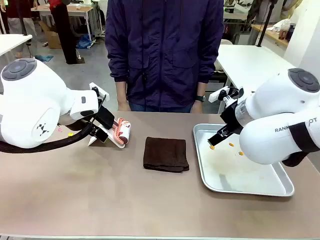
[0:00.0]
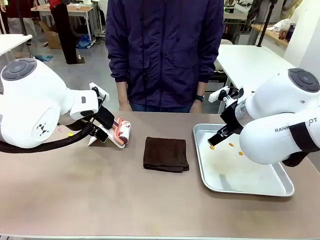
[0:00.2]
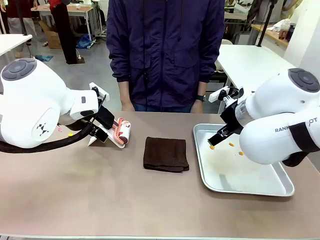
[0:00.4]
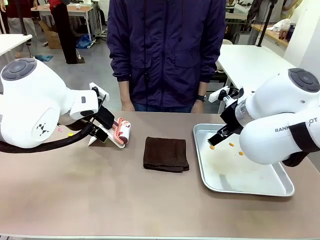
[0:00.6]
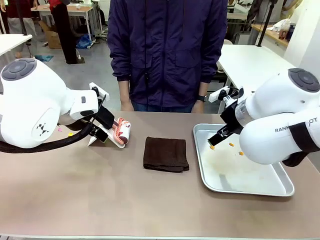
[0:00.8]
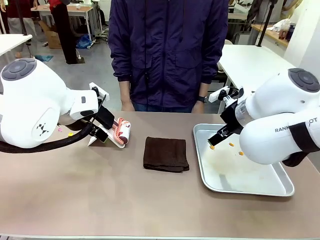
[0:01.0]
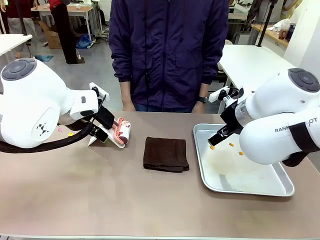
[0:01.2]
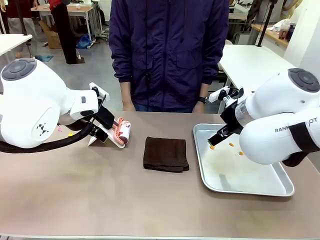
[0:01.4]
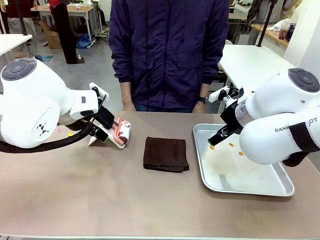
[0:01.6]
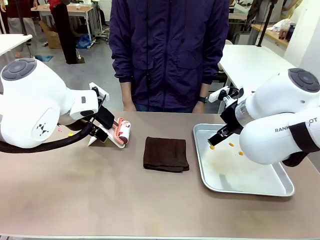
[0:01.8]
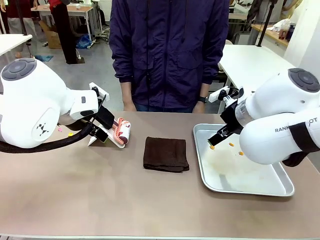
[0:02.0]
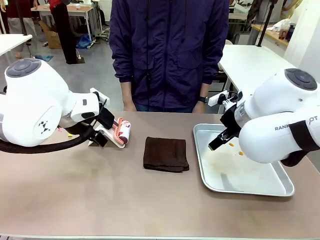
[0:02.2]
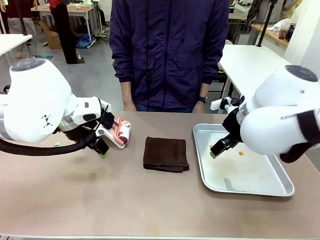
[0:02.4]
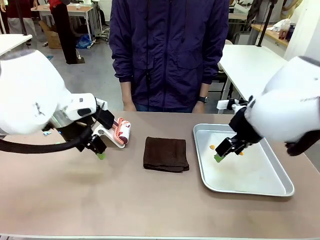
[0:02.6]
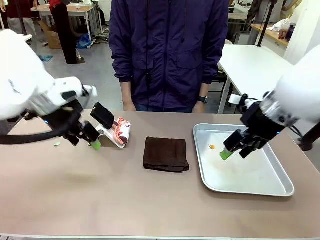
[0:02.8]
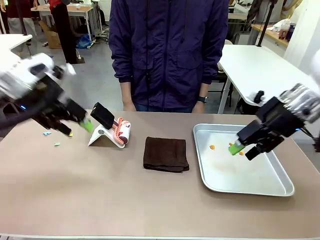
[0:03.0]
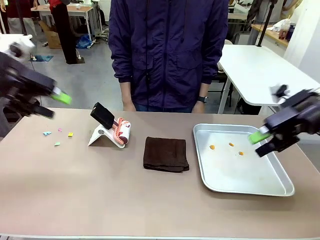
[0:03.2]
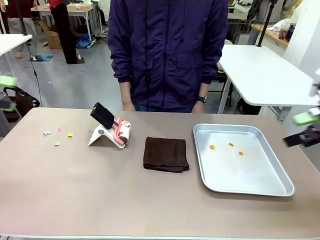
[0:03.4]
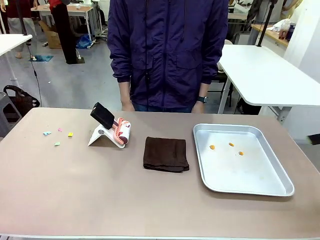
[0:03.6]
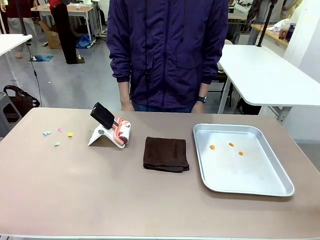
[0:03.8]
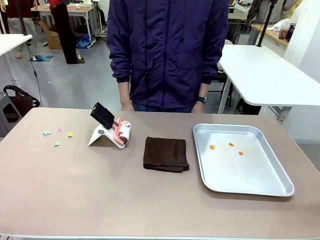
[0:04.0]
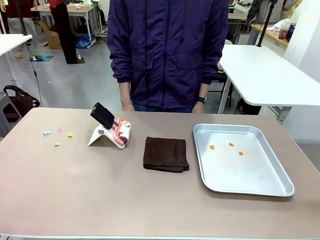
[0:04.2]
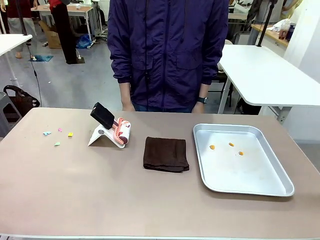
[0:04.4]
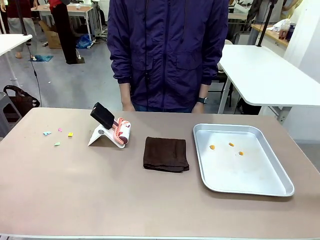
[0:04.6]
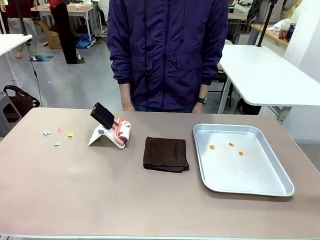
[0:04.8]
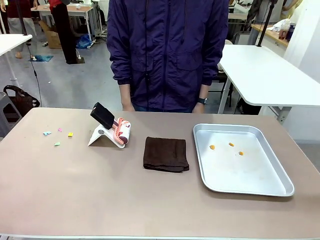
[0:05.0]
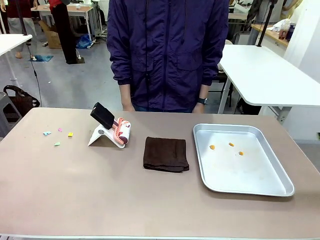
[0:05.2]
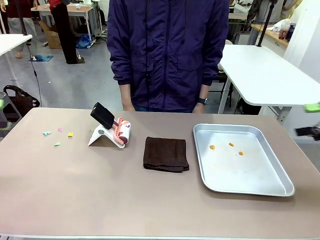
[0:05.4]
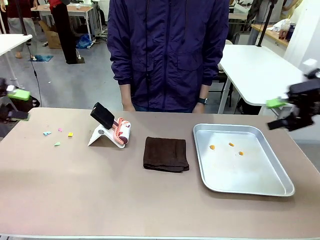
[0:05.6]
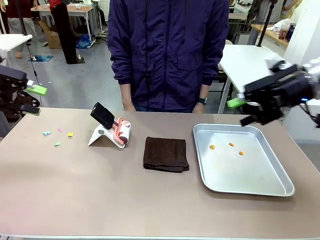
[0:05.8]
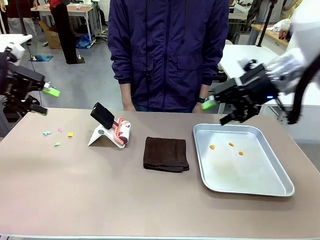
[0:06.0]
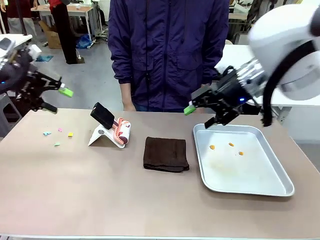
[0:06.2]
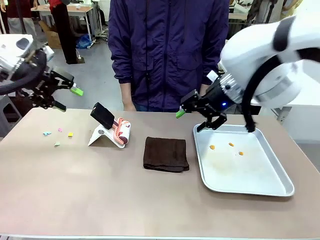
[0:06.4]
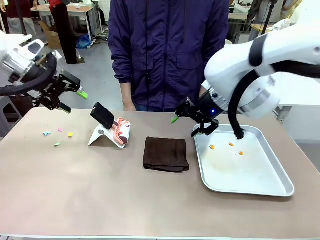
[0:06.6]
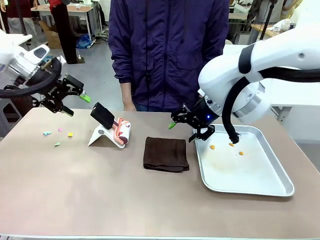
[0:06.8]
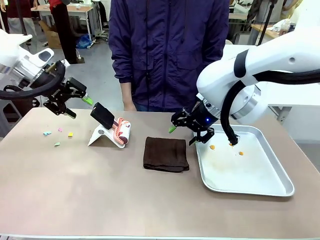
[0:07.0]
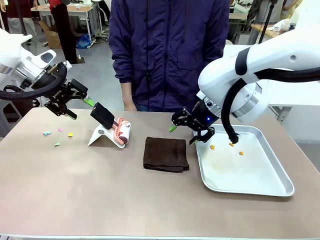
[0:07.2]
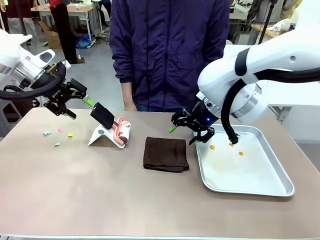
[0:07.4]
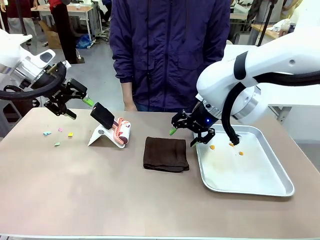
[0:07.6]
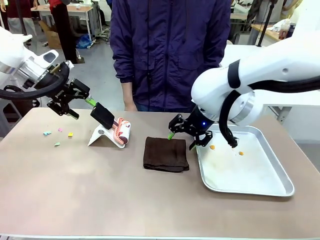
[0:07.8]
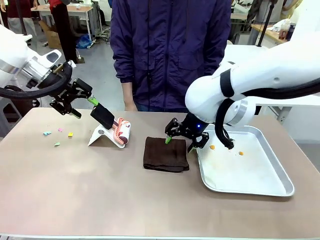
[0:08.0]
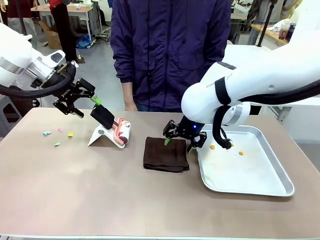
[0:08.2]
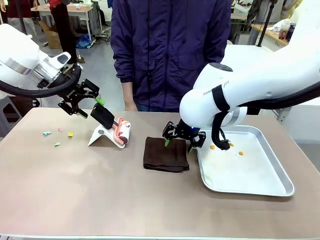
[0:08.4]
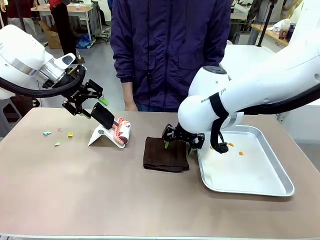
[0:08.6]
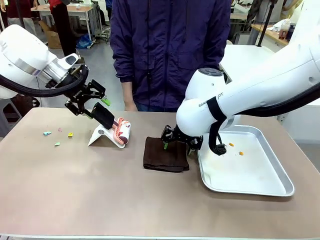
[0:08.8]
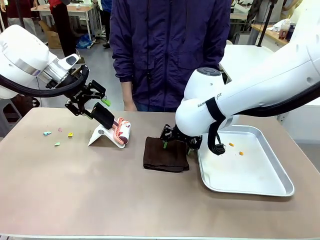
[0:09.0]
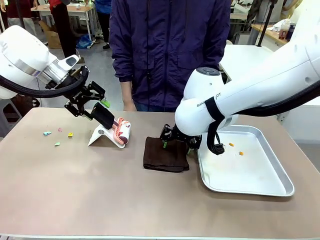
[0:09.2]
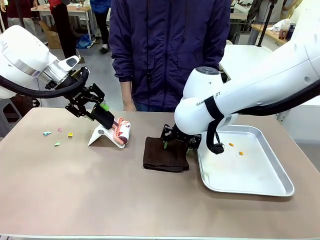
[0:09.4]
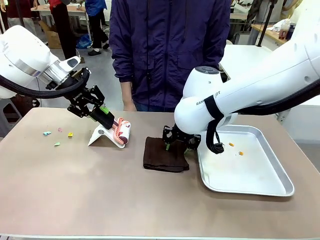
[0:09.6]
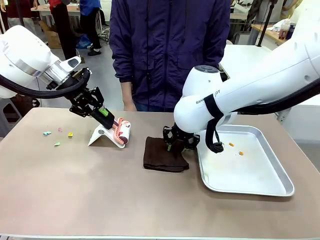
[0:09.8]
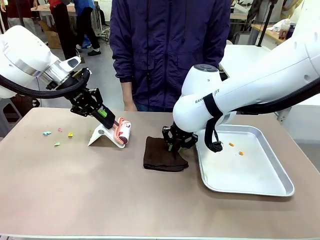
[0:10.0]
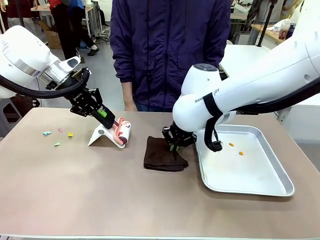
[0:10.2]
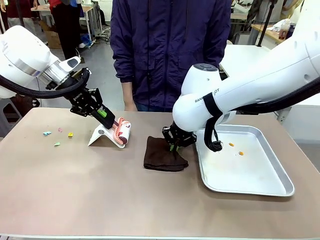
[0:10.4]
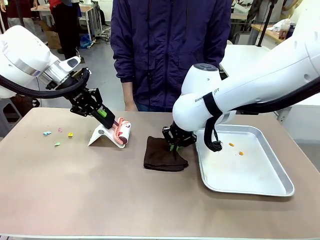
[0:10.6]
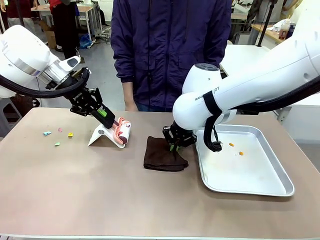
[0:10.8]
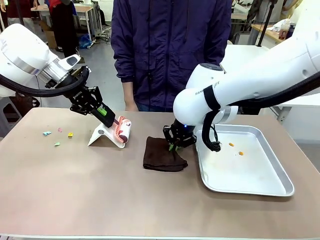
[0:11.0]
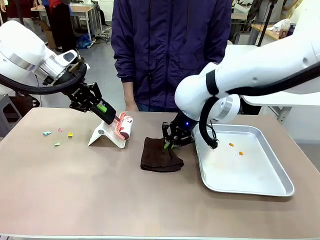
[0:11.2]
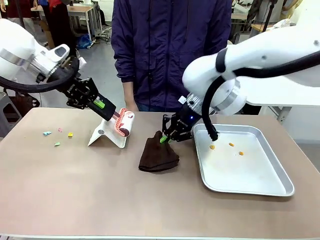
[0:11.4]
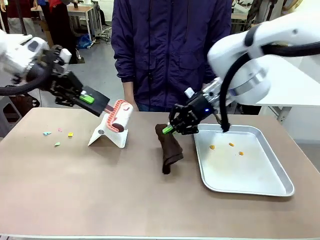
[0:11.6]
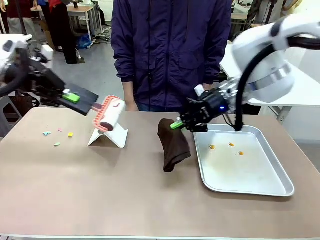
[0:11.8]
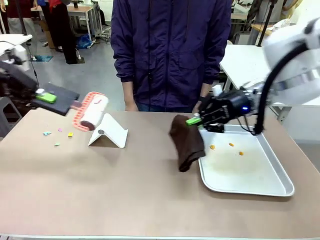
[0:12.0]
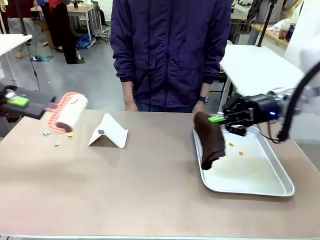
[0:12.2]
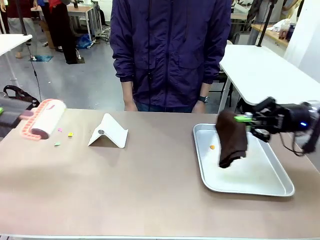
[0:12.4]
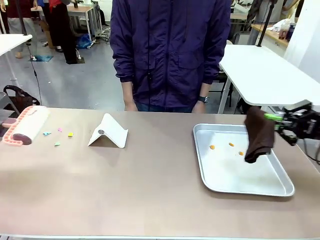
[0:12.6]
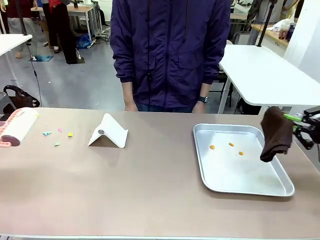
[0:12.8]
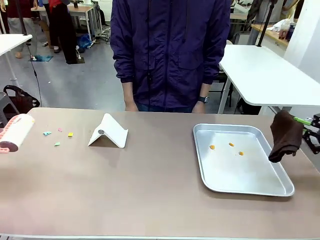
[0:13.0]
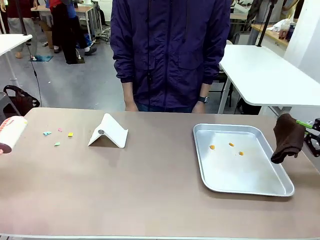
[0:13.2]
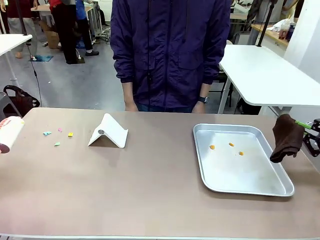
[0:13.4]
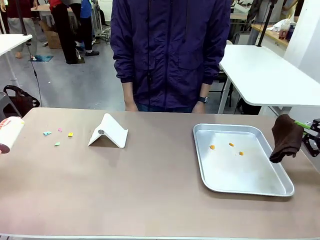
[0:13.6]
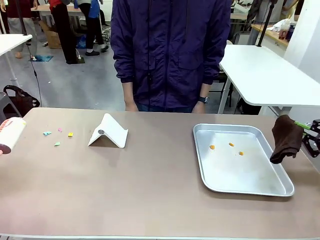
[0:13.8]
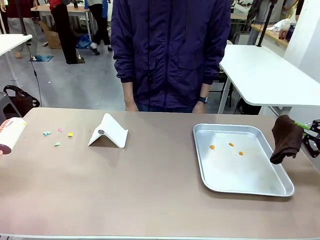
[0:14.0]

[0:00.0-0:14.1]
Task: Clean the surface of the table.
Robot: Hold the Lint Roller with your left hand and the towel with your right hand.

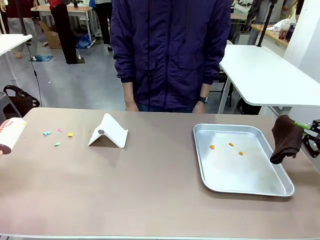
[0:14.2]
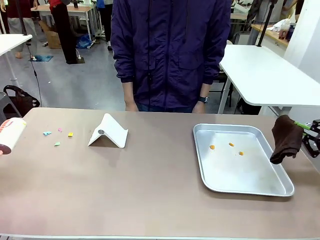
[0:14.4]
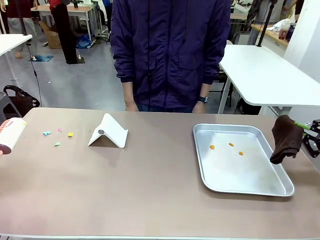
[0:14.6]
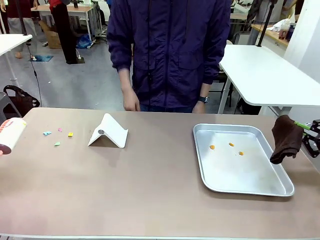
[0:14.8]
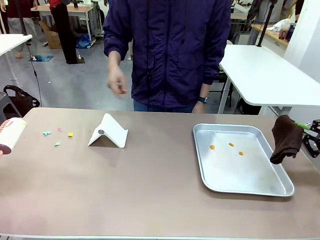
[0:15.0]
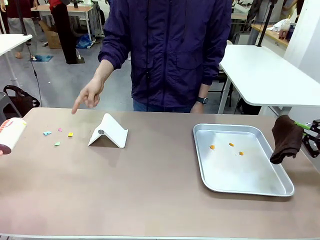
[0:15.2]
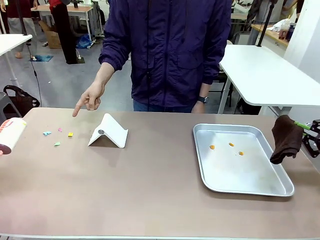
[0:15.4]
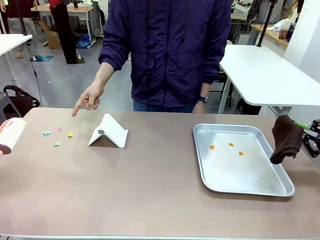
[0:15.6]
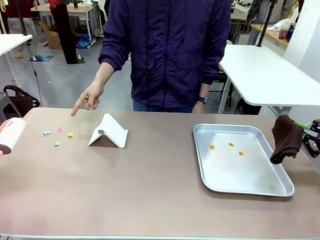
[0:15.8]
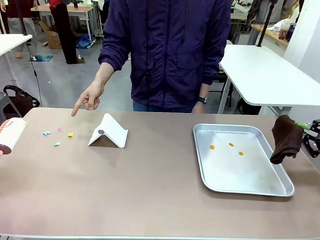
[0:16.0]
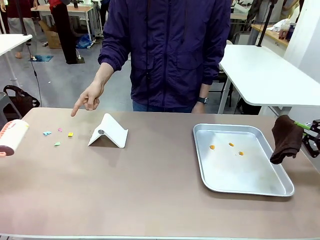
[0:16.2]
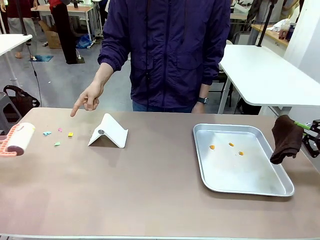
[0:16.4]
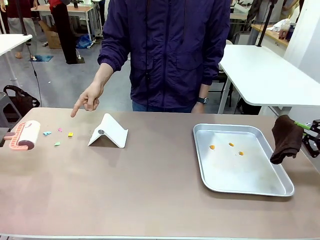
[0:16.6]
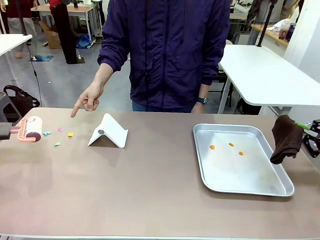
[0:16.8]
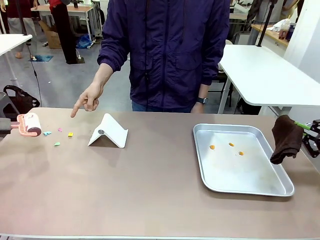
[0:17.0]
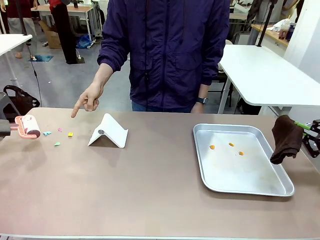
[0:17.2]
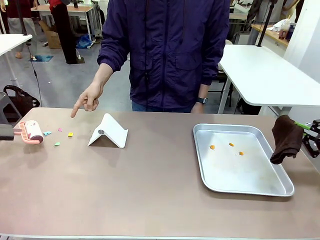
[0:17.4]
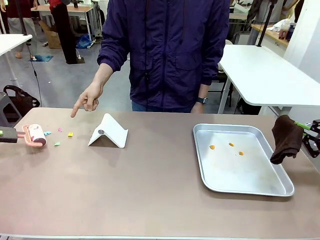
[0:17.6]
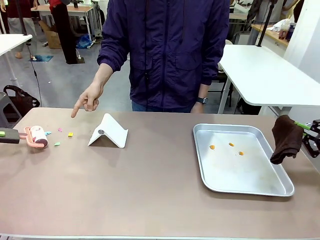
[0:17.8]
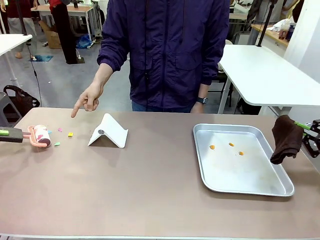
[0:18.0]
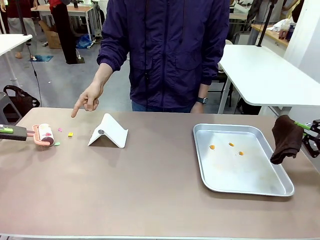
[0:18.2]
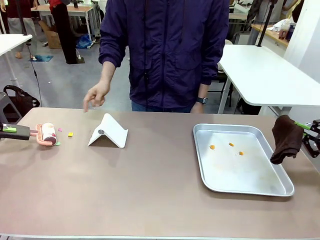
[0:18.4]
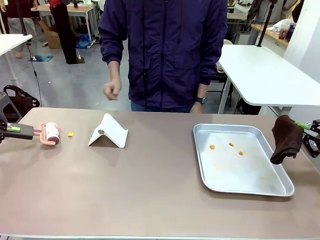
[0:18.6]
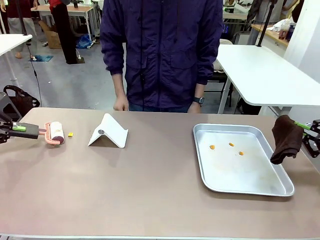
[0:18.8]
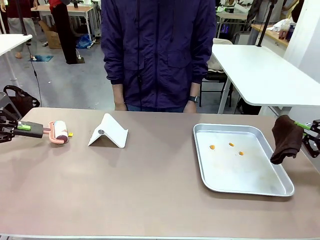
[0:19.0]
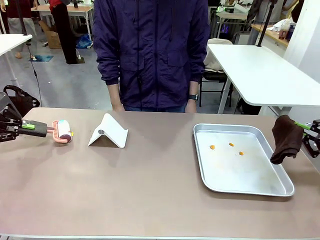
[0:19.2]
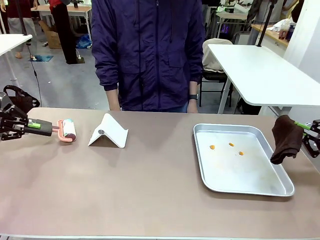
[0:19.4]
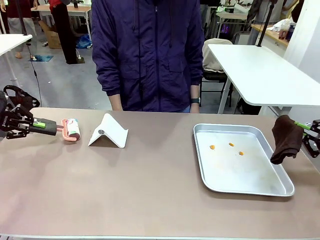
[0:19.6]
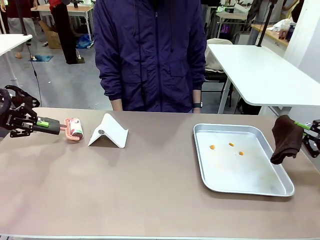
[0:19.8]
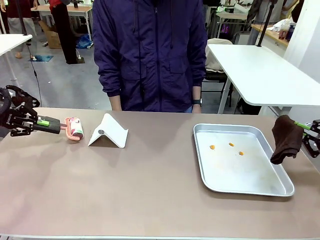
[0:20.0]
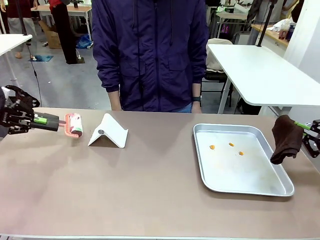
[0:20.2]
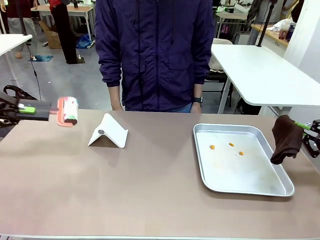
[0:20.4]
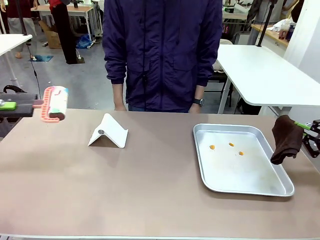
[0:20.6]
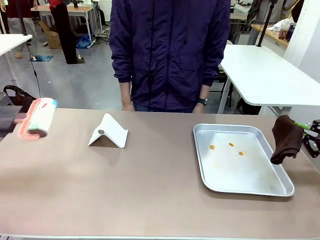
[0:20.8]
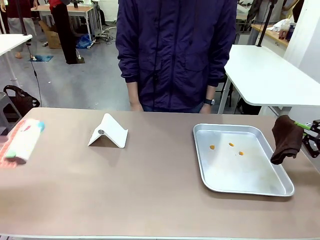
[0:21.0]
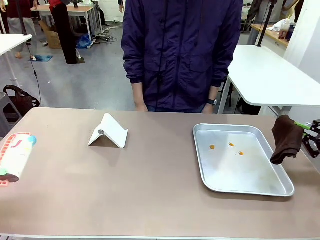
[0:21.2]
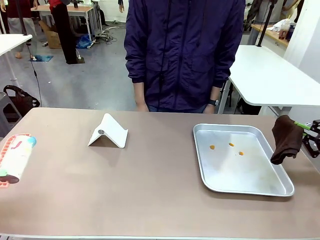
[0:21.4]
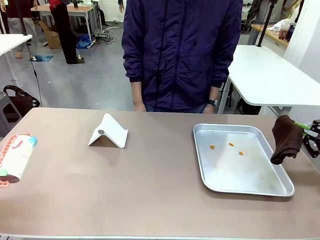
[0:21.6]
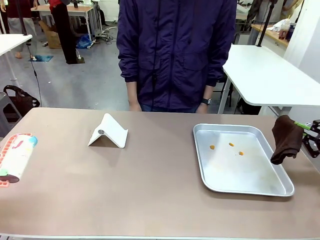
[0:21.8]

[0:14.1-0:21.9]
Robot: If a person points to the right, clean the right side of the table with your right hand, and if they point to the left, clean the left side with your left hand.
